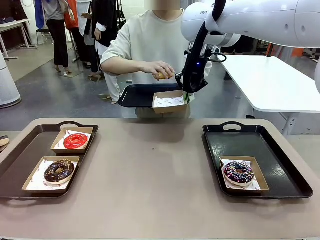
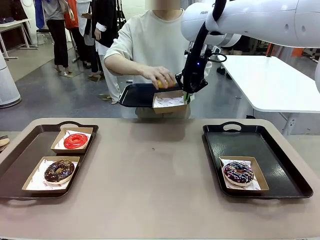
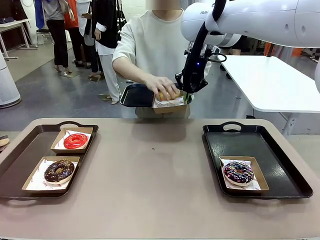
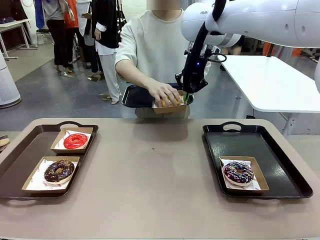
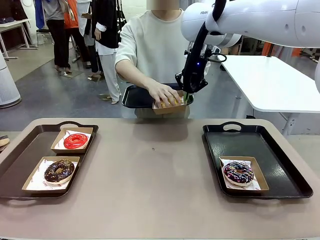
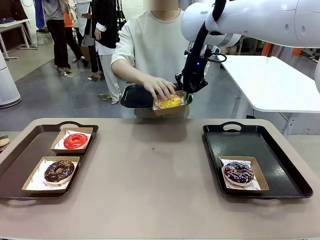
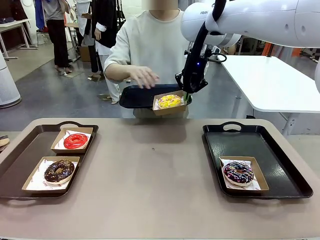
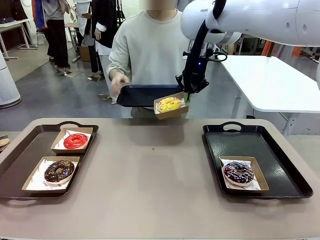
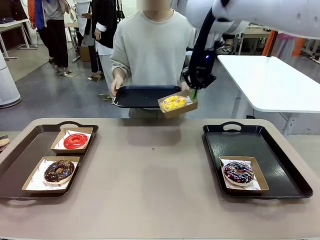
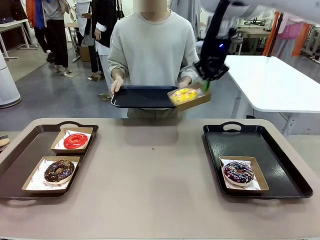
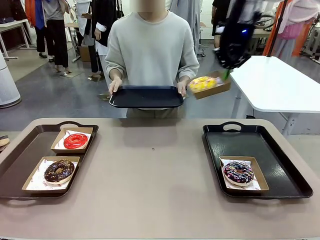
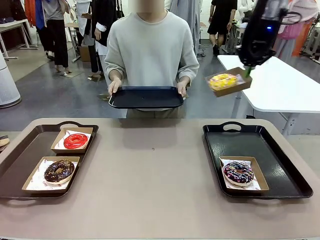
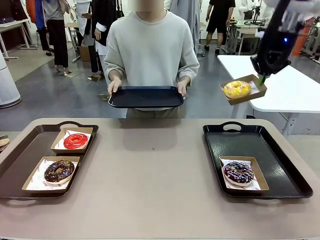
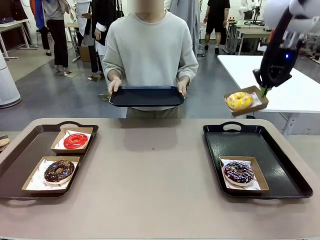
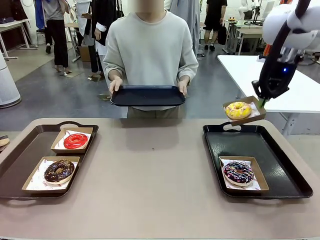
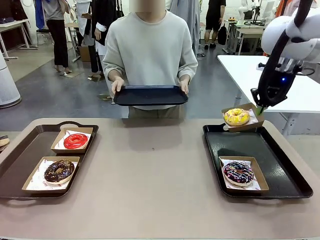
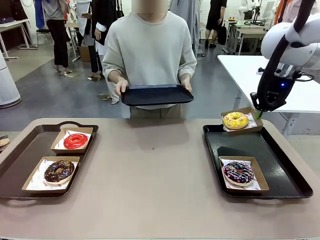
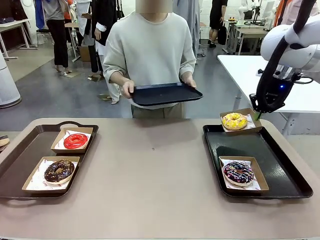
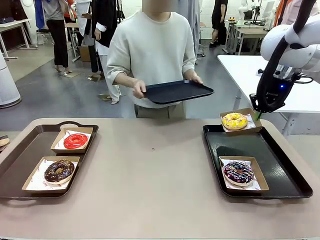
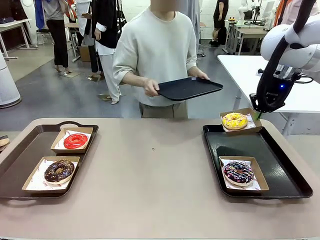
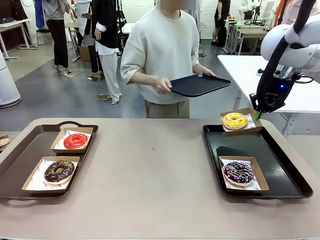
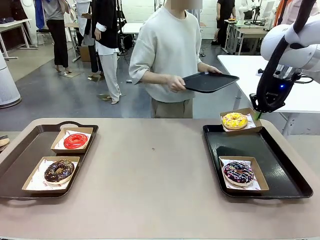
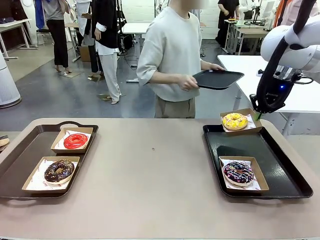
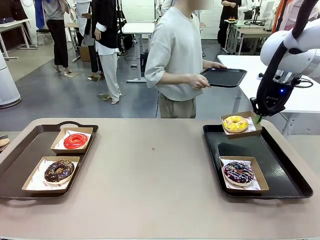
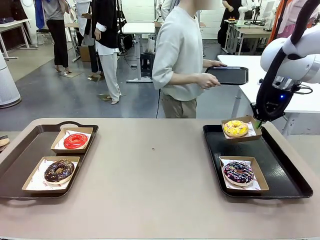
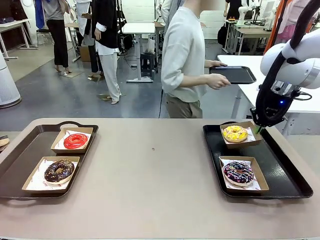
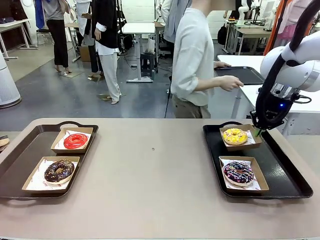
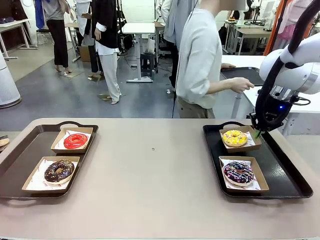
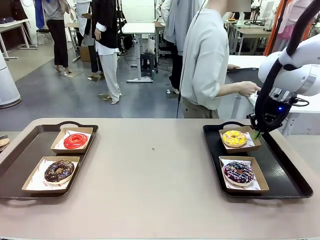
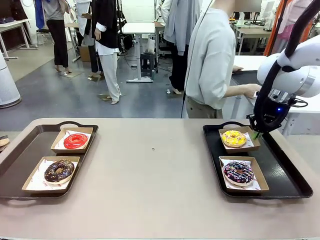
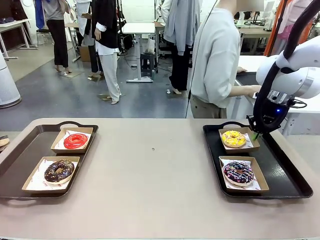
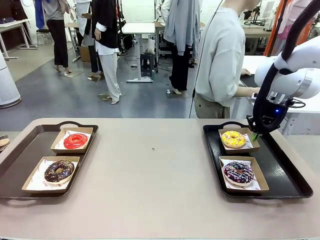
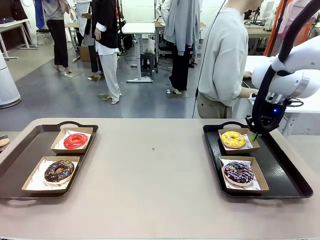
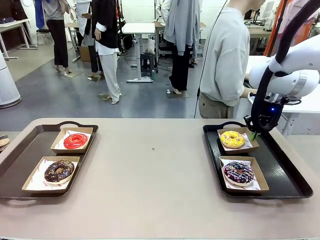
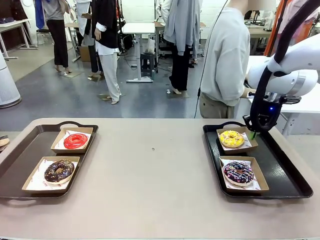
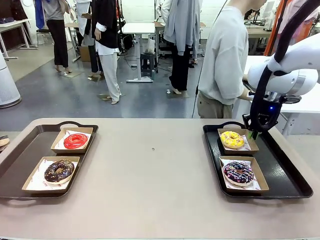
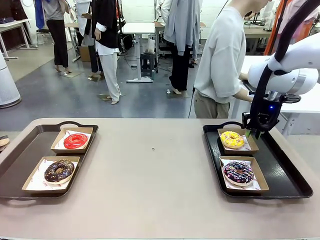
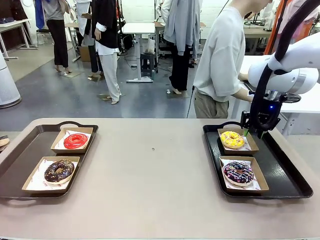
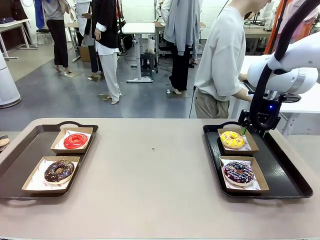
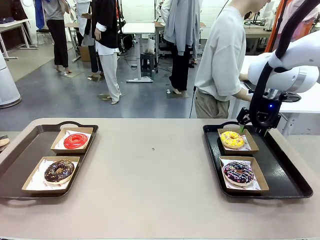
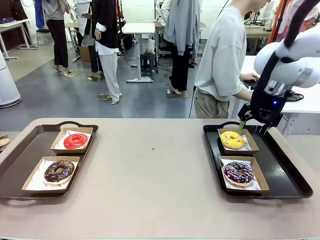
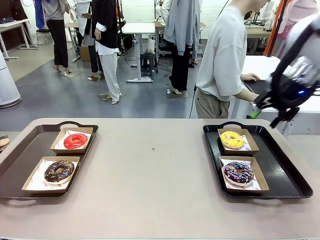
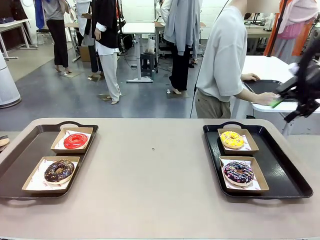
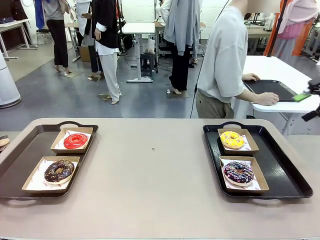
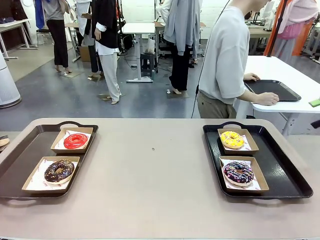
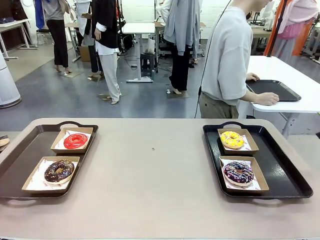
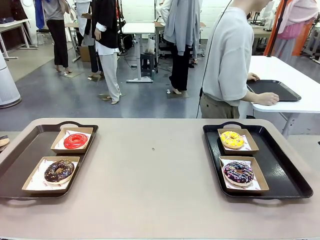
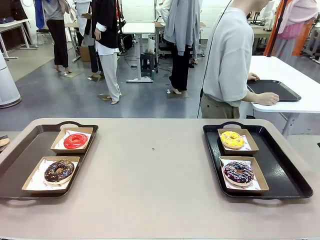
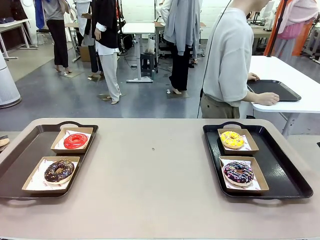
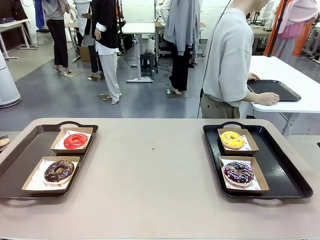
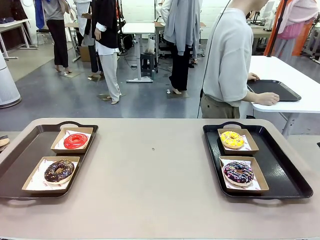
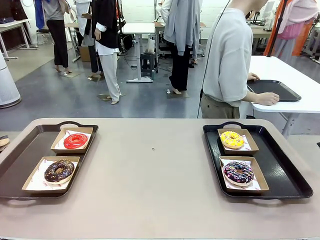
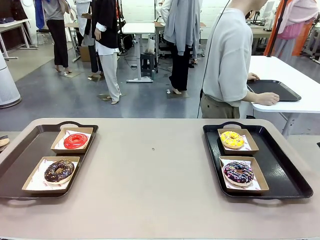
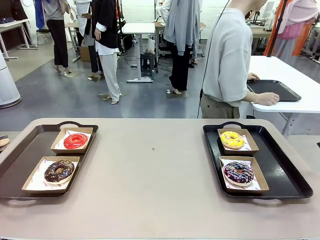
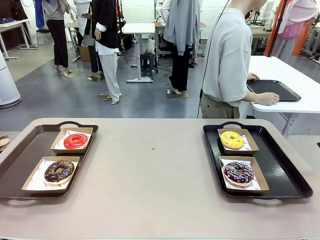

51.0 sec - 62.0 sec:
Task: Individually package the donuts and arrange them on the tray.
Robot: Place the picked Paper togo box on the Handle tray.
Person: Place the tray down in the middle of the human table.

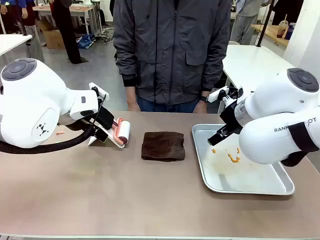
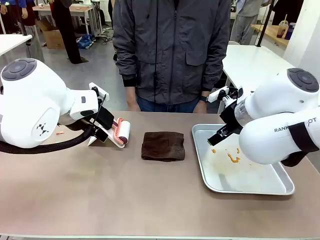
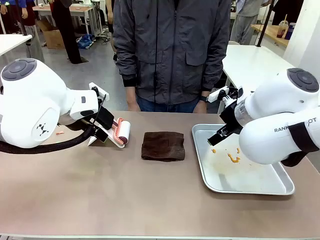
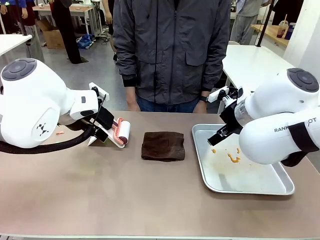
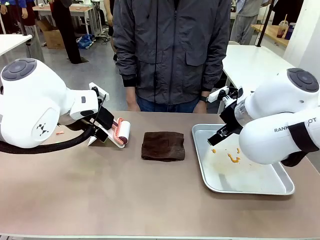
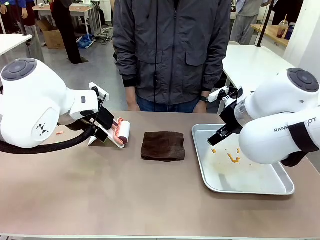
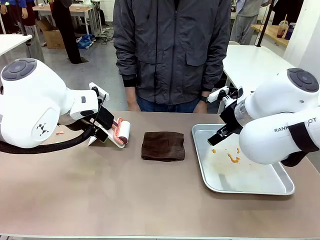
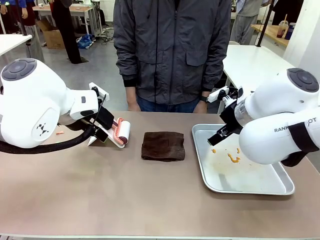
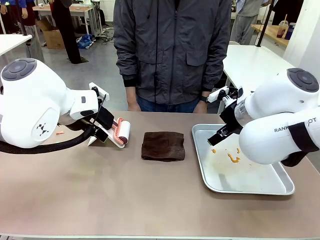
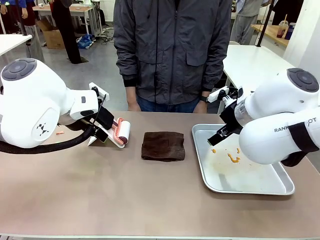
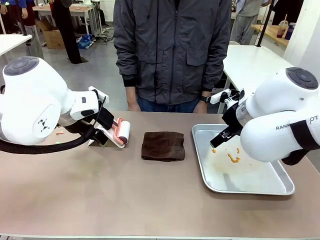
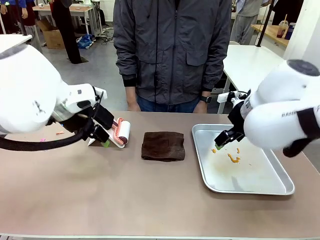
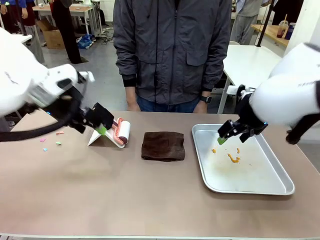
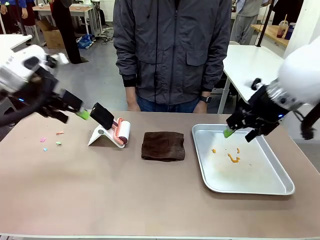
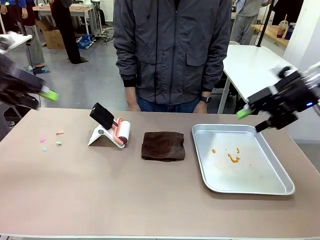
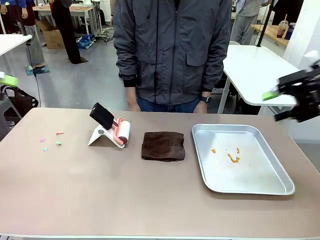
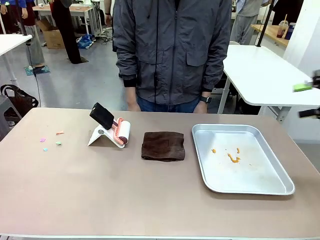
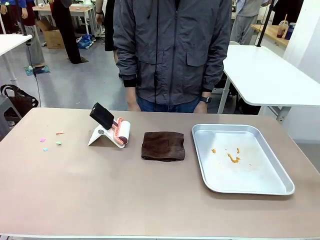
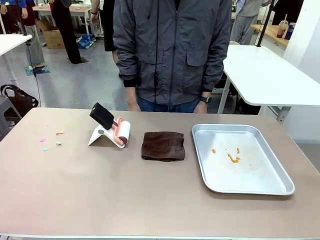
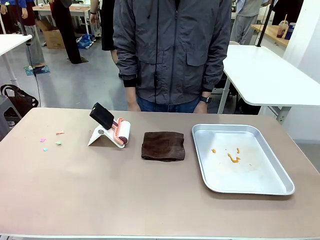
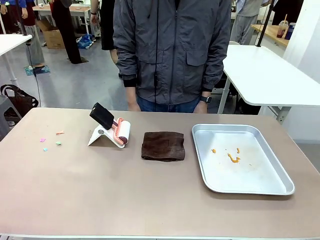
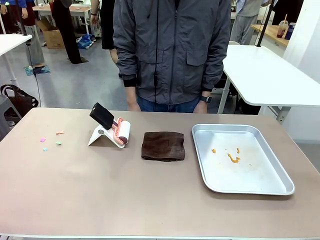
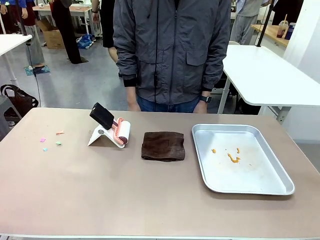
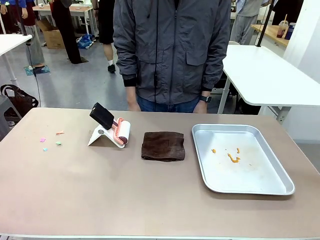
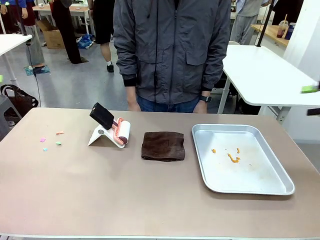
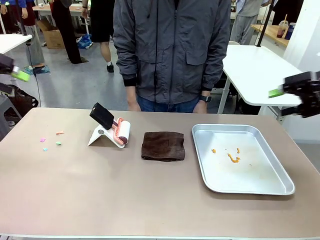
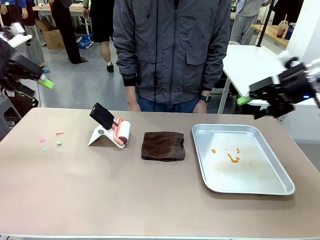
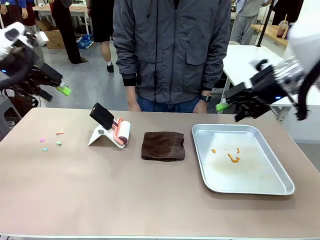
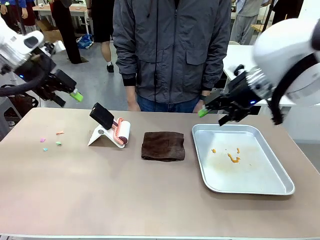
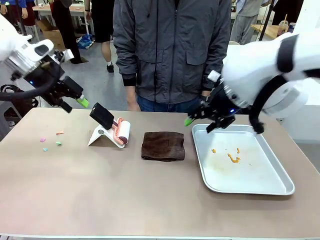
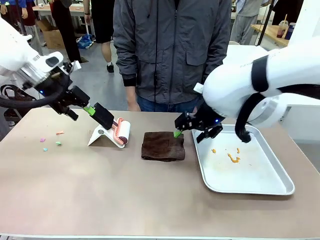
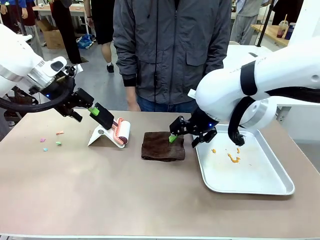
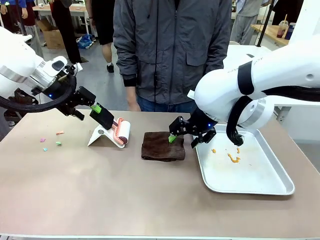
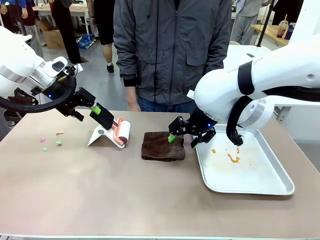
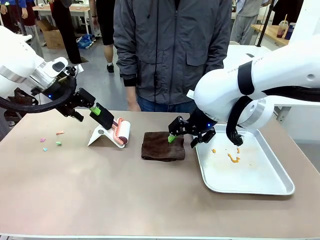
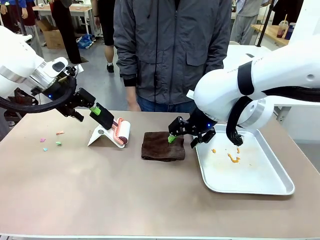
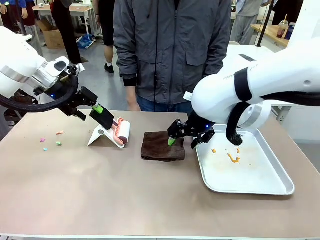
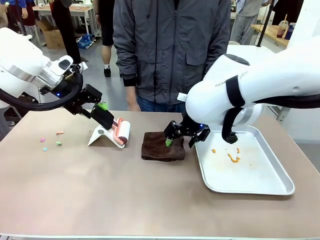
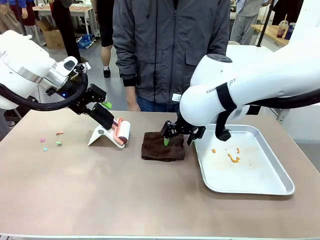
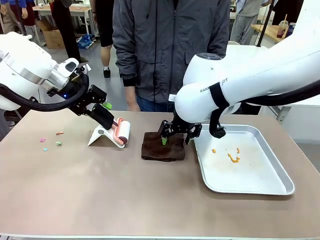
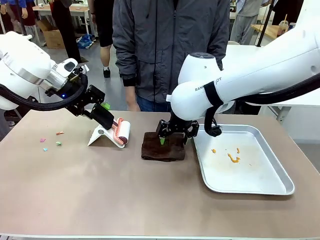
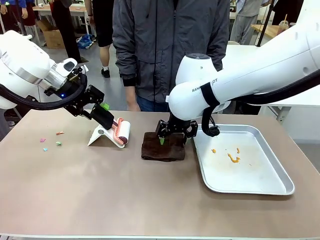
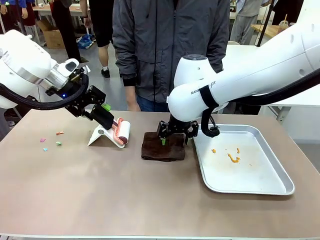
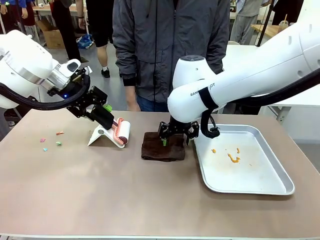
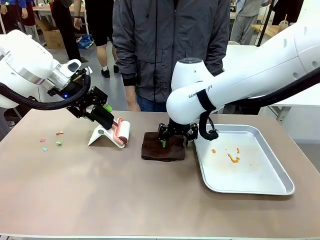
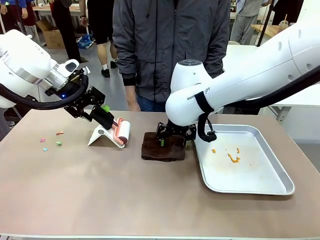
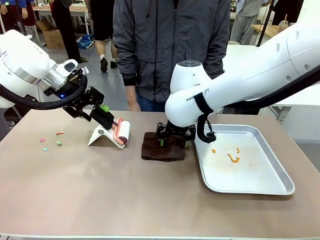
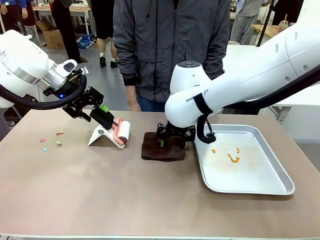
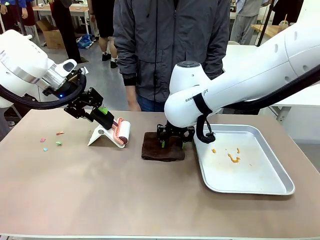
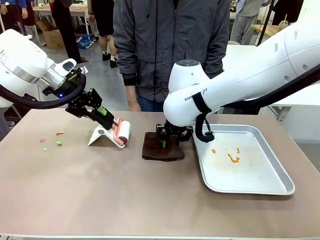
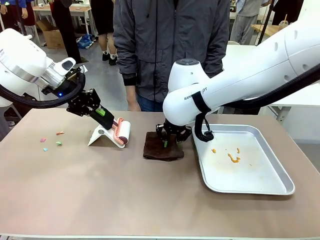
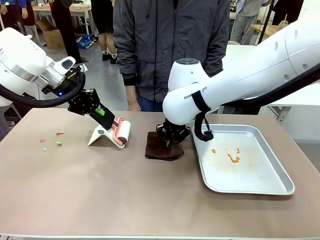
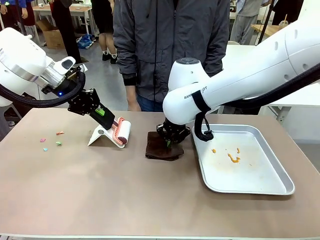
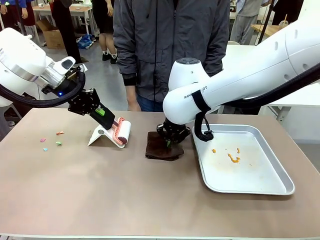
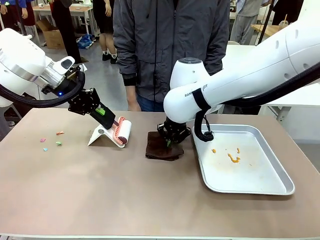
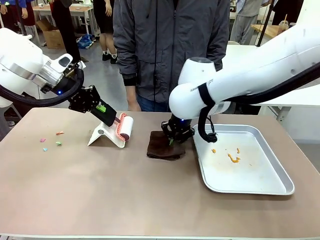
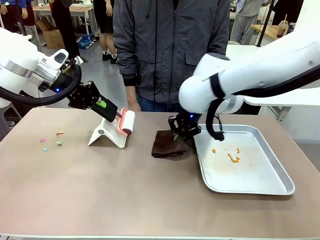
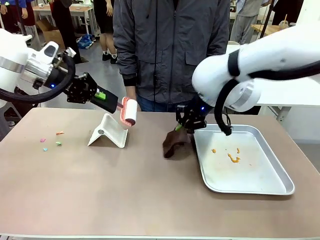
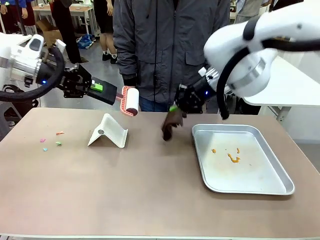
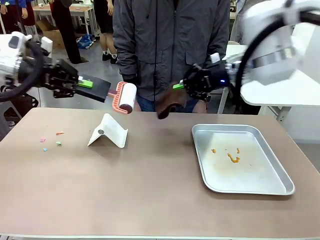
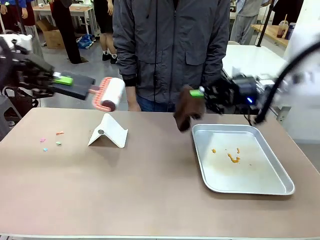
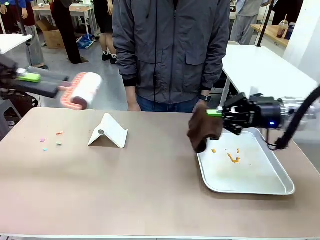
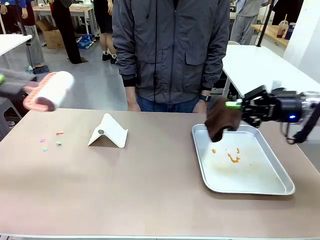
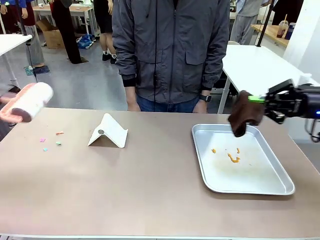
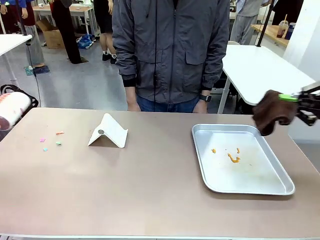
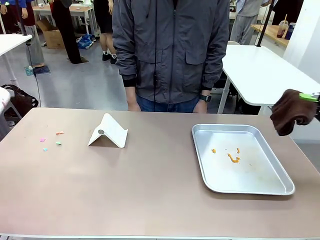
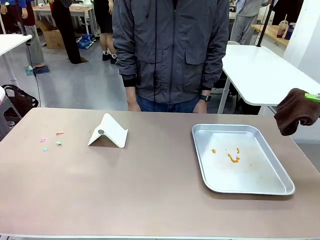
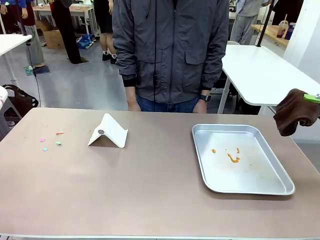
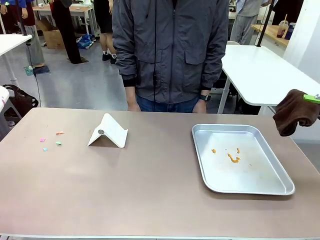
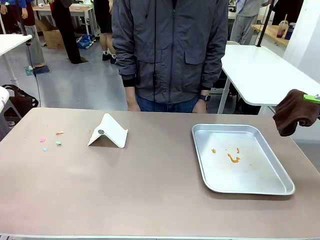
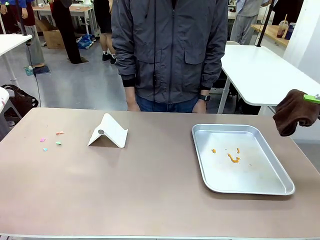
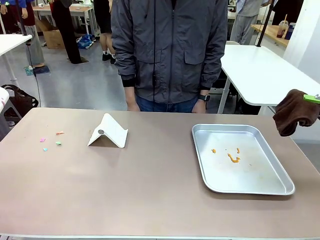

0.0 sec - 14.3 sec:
Task: Clean the surface of the table.
Robot: Hold the Lint Roller with your left hand and the towel with your right hand.
